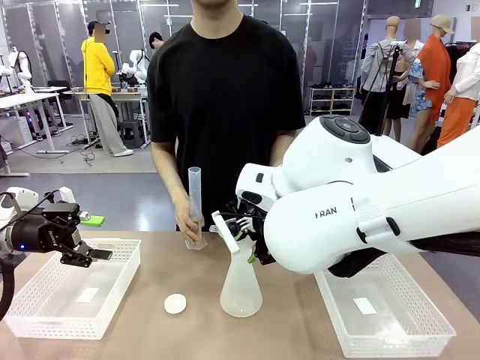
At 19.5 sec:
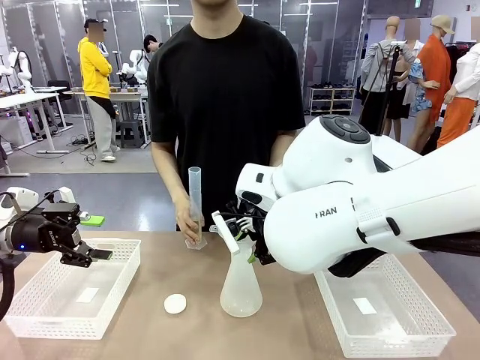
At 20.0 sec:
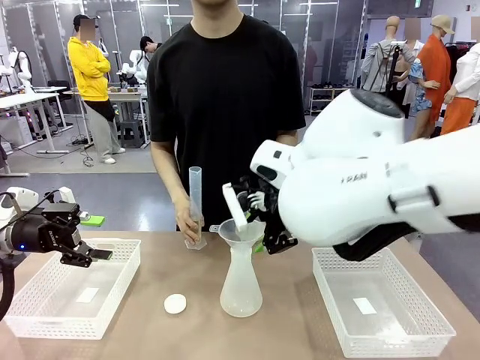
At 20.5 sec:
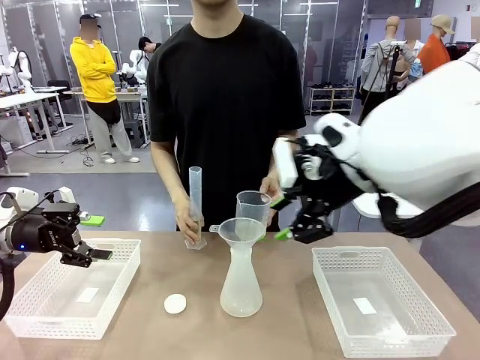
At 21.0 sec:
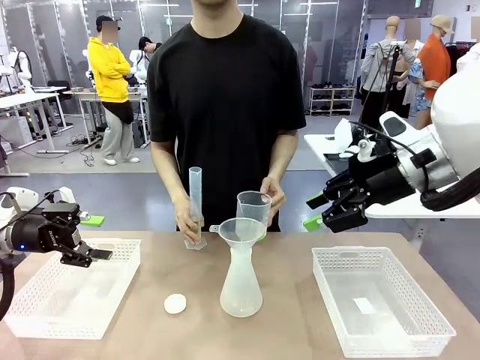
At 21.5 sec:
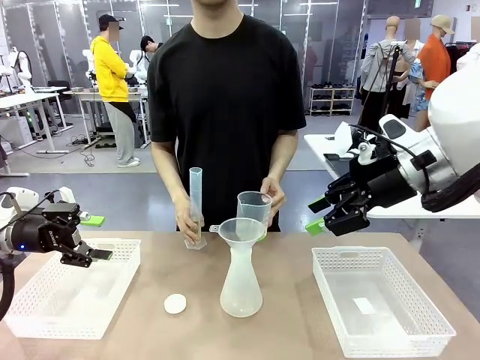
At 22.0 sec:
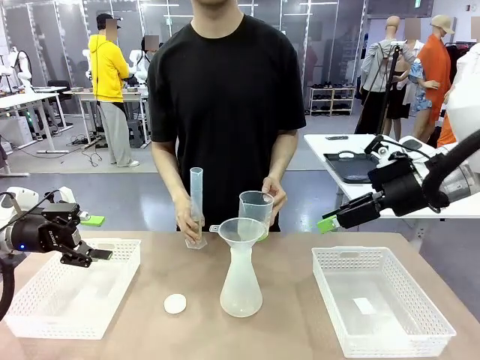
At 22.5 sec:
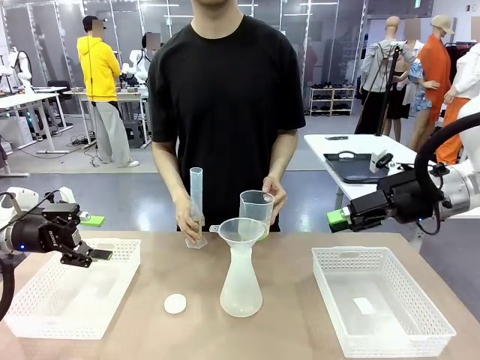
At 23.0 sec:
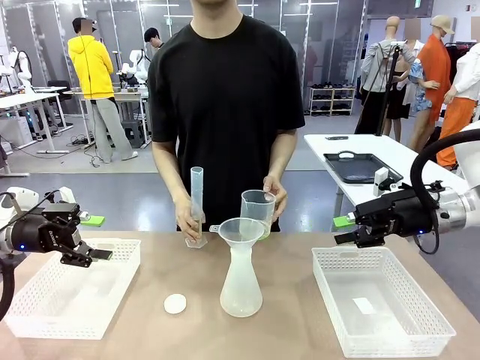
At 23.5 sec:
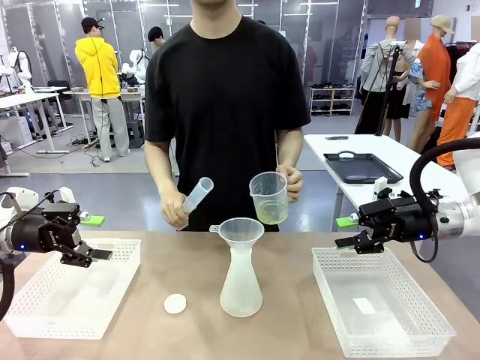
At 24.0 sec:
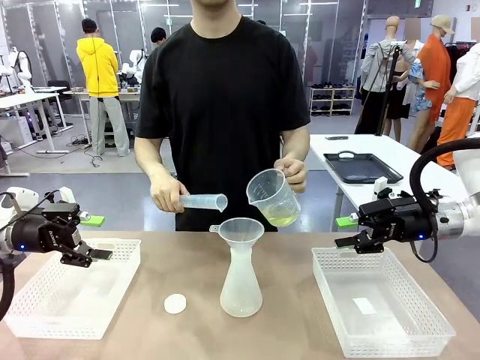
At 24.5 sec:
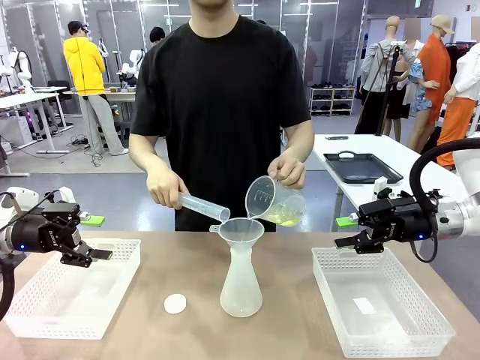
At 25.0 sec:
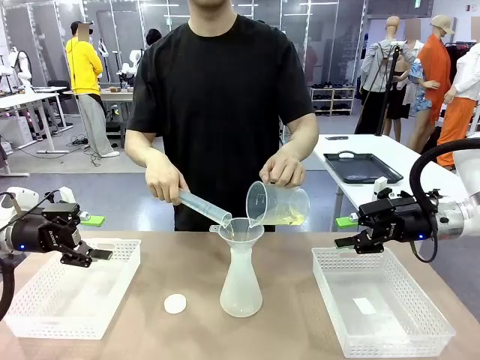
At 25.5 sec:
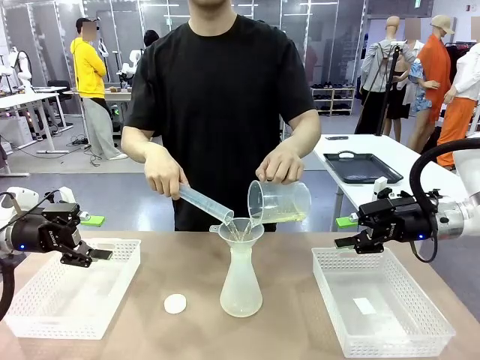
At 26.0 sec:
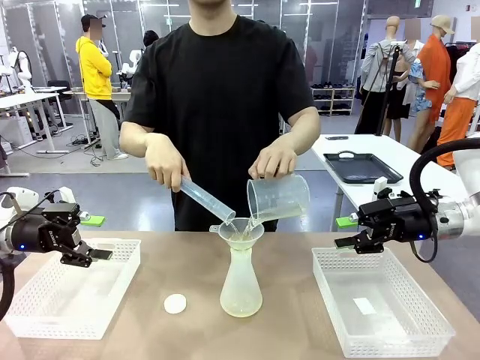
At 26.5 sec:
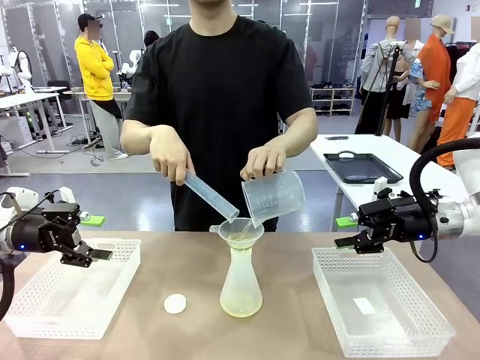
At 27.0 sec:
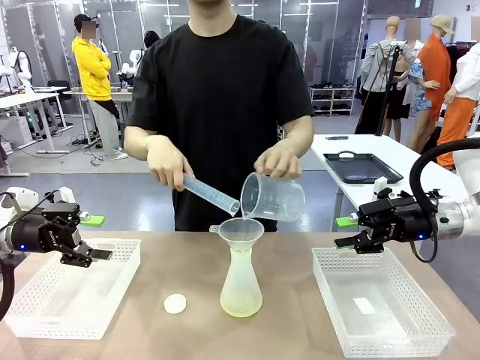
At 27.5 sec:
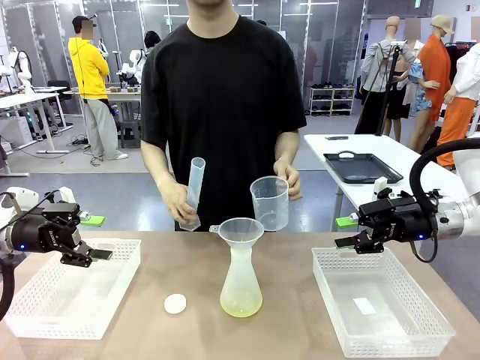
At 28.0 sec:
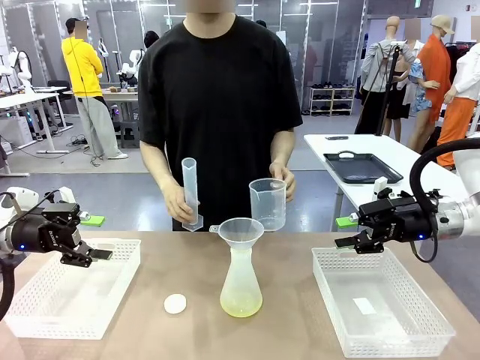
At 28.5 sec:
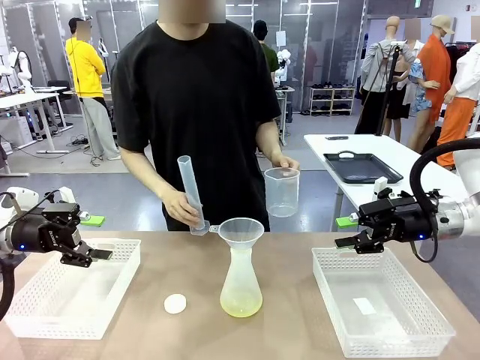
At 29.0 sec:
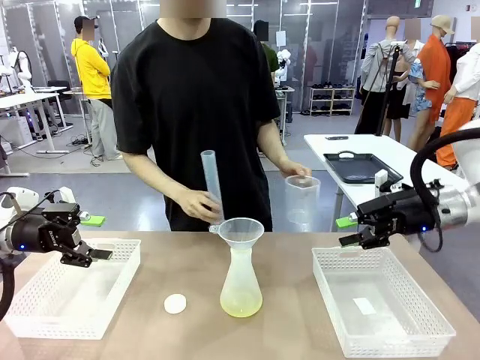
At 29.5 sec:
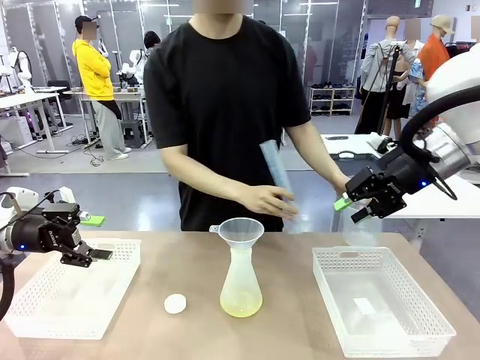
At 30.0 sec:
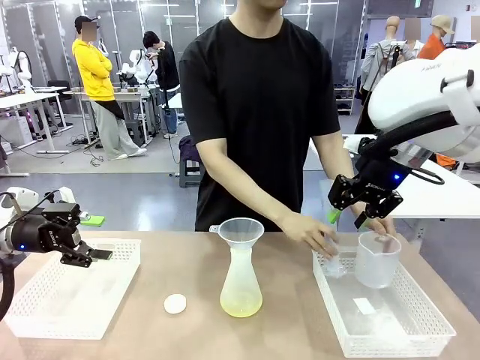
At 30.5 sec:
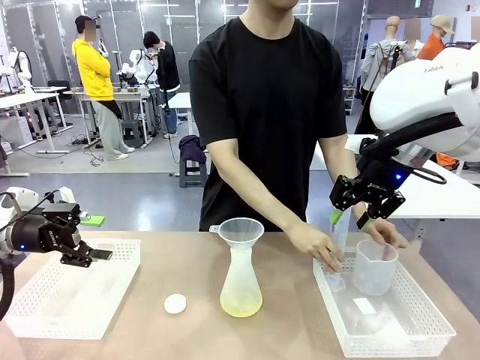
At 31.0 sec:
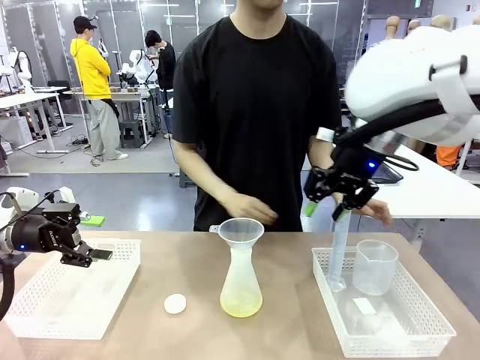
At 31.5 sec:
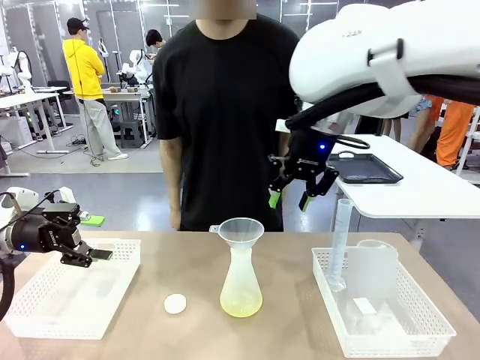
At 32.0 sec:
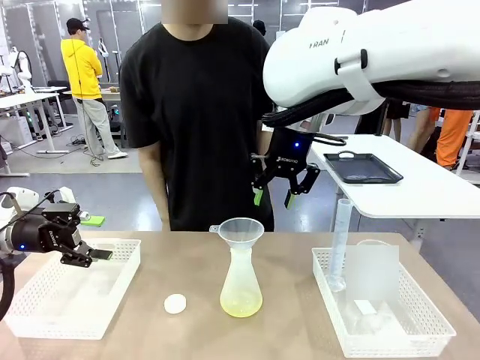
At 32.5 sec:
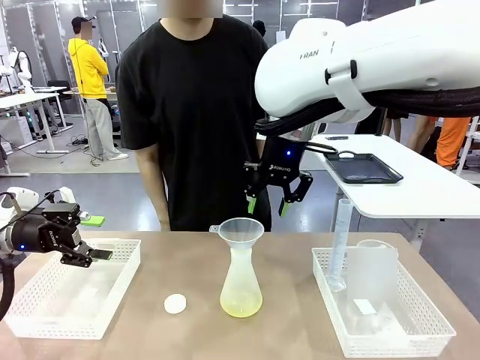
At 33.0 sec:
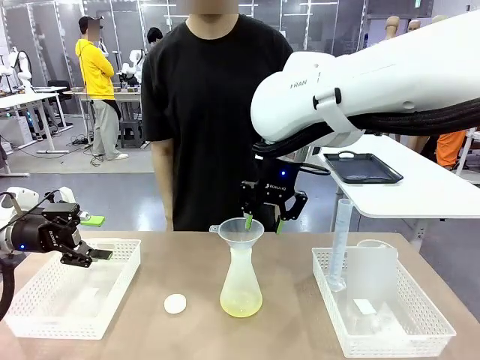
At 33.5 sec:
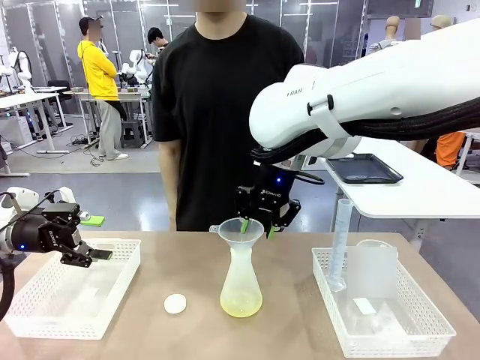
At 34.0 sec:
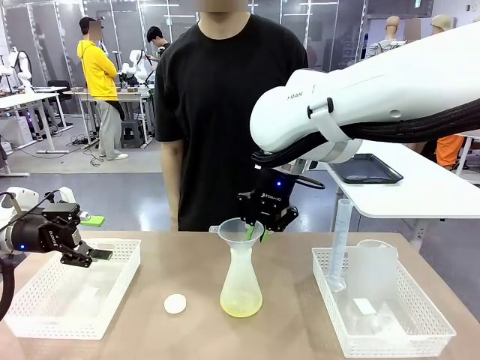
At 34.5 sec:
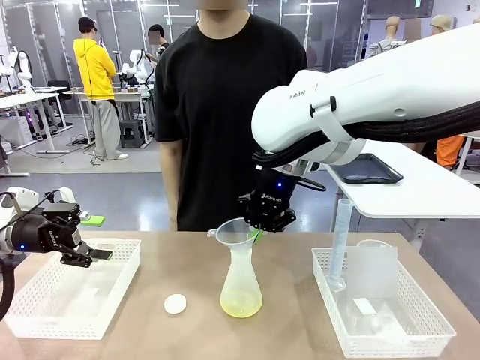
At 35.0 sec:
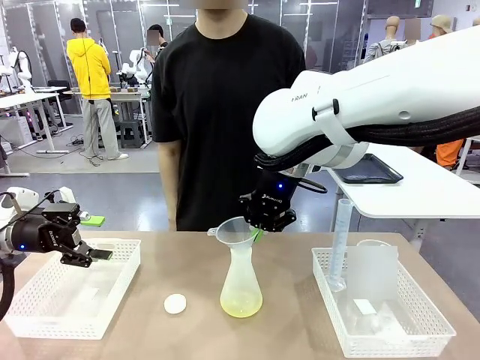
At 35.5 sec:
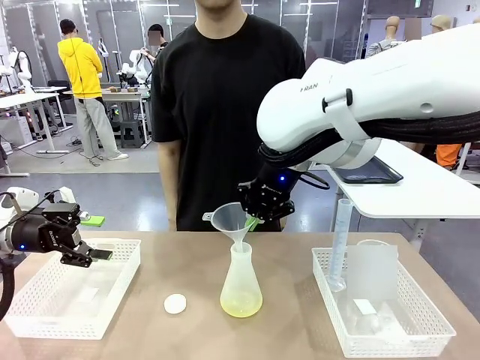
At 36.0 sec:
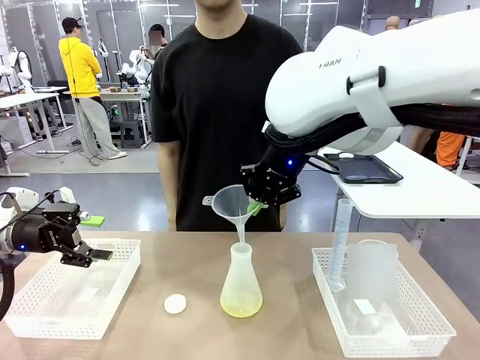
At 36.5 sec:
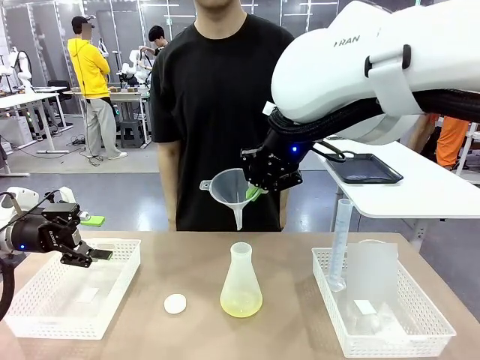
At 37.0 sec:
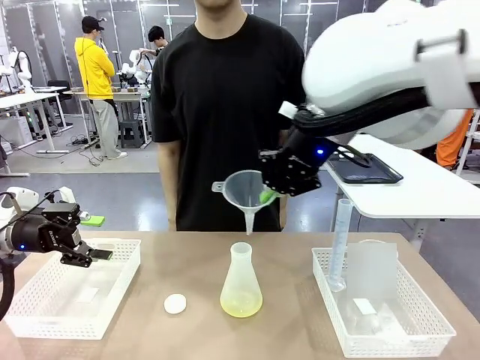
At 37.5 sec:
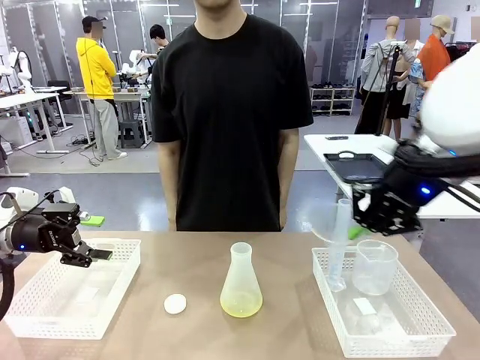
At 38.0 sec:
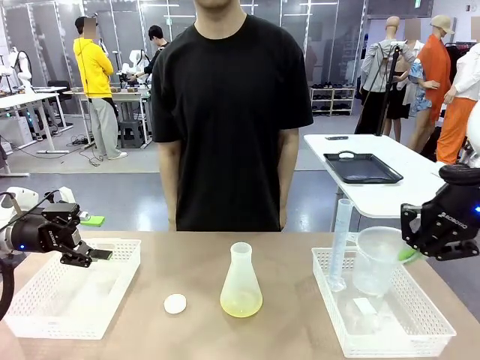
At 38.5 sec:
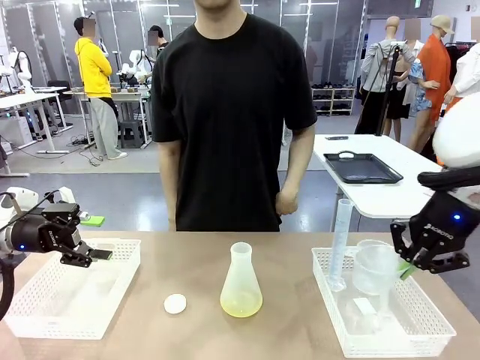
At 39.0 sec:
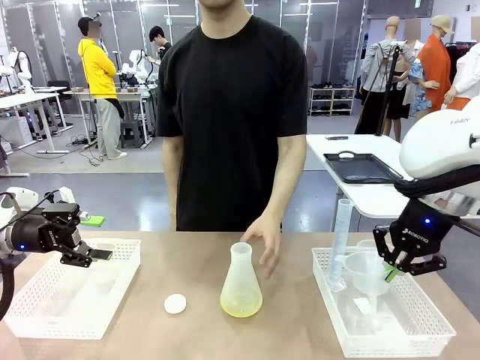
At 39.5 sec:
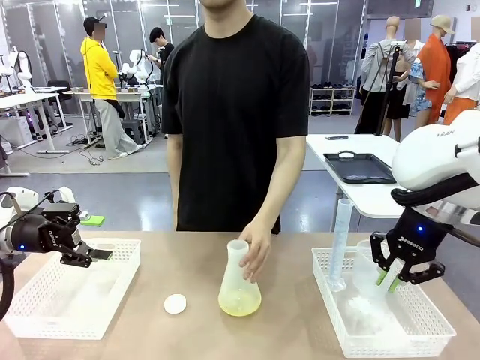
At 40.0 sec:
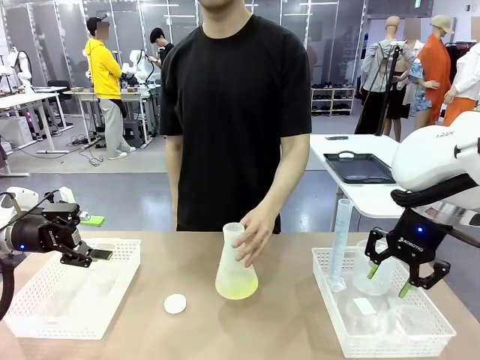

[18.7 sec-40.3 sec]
Task: Prepare the solutions needed for the experiment.
Robot: Once the solution is in the Big flask , pick up the Plastic Funnel and place it back into the right Organizing basket.
Person: Place the beaker and the cylinder into the organizing basket on the left side. Pick up the flask, gently shake it 2–3 times, place it in the middle of the robot table, and close the lid.
